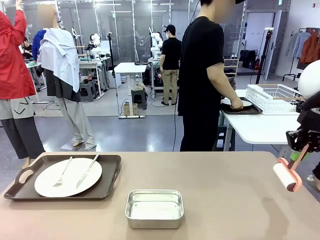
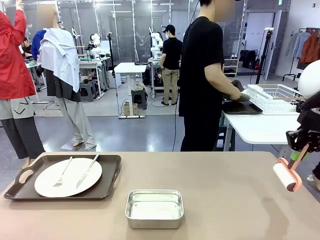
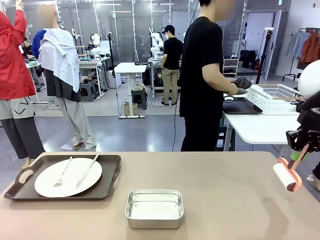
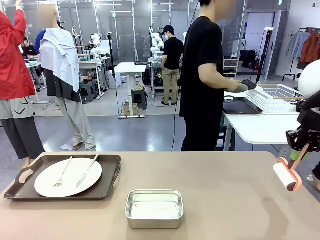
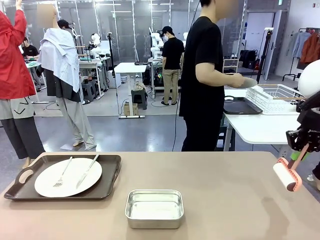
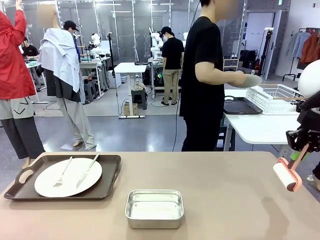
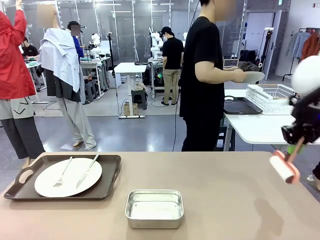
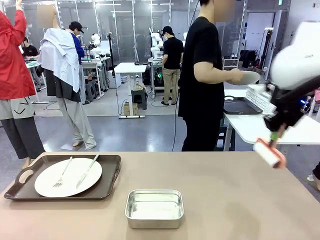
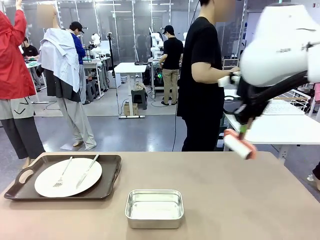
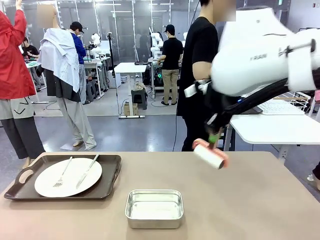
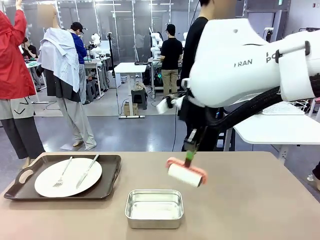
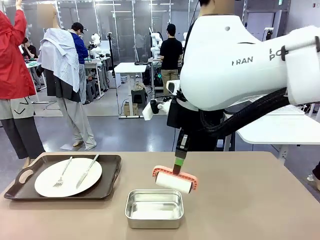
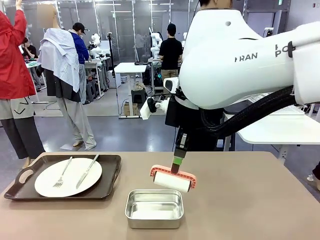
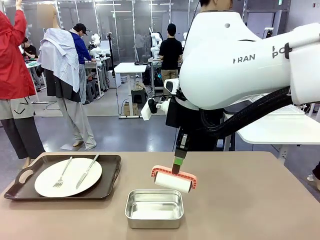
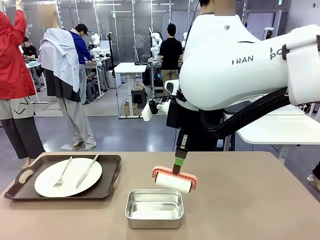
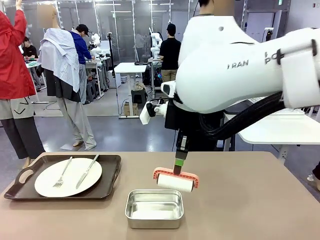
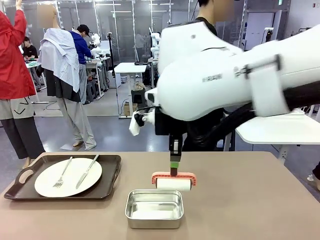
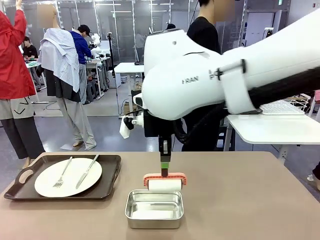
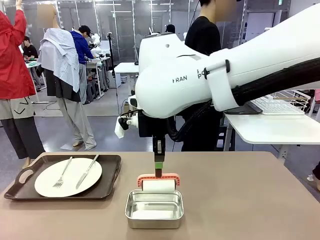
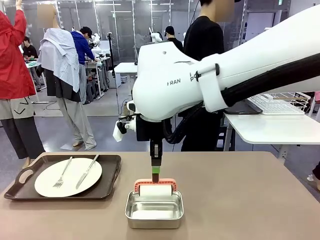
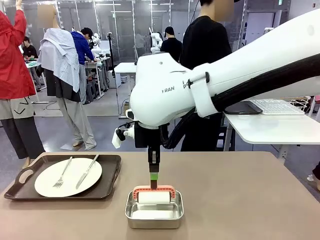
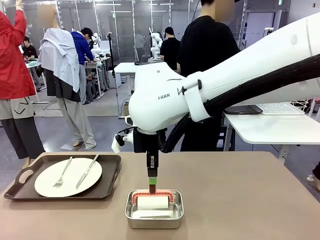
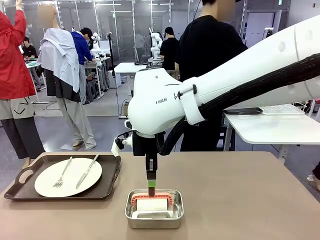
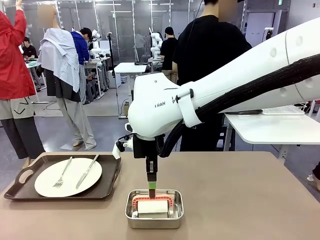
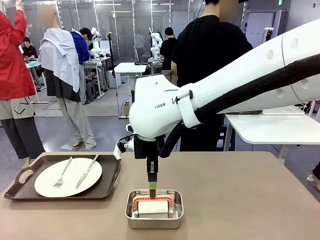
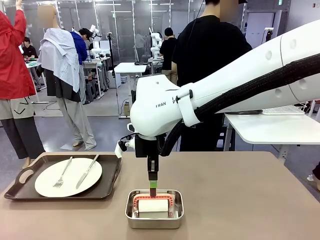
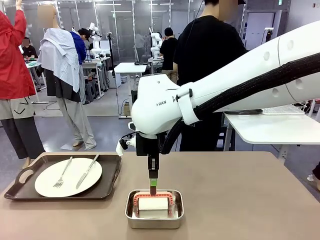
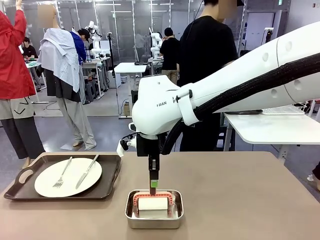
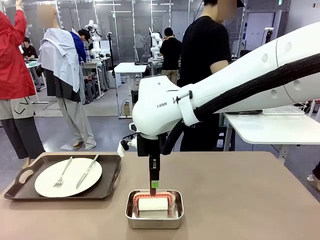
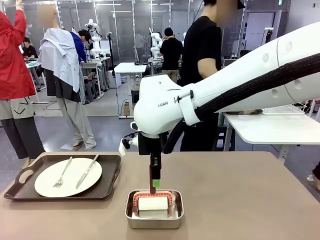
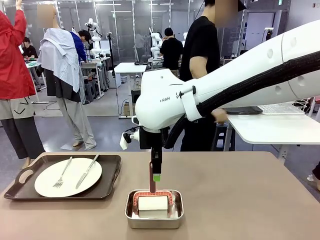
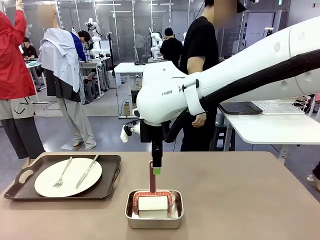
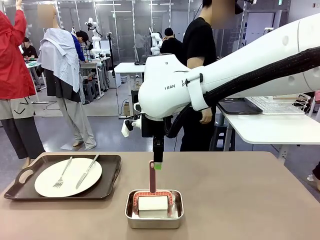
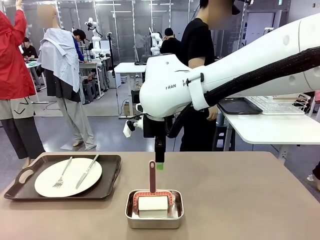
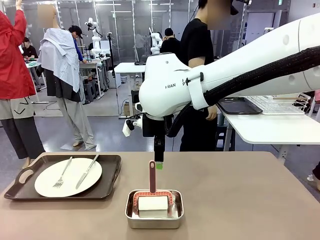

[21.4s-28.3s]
Robot: Place the Lint Roller back on top of the Airtight Container.

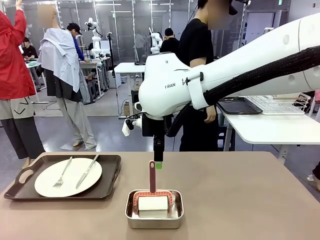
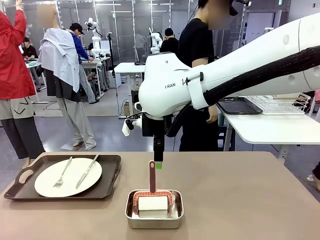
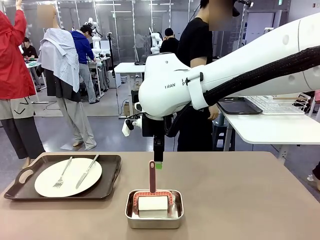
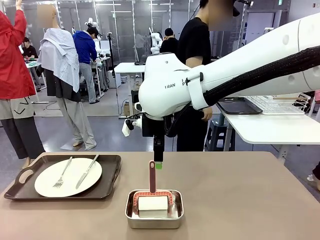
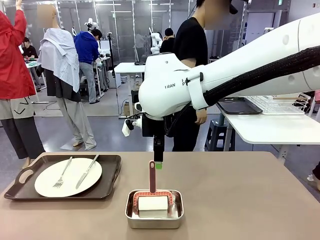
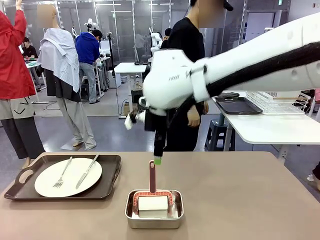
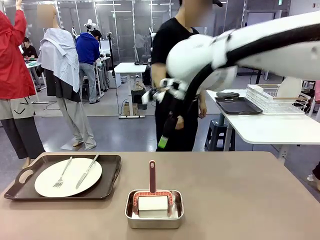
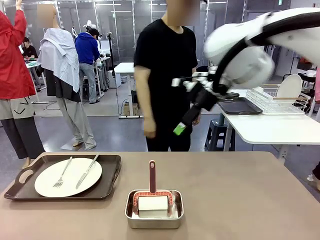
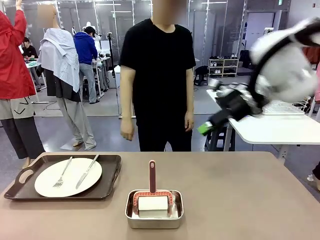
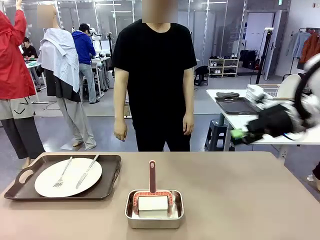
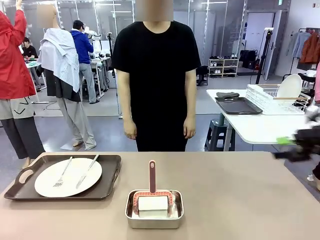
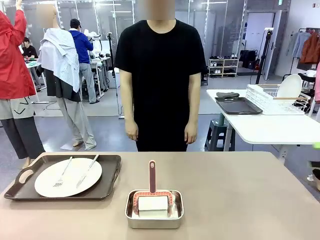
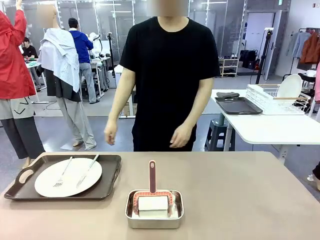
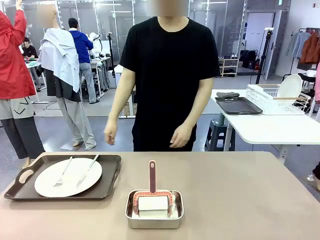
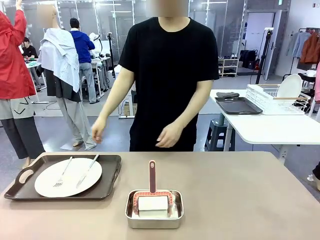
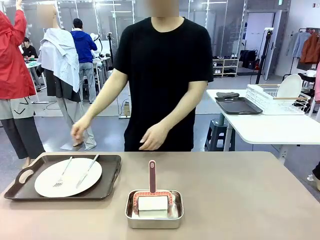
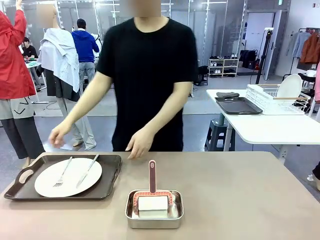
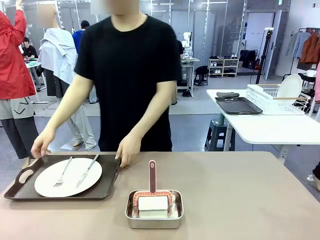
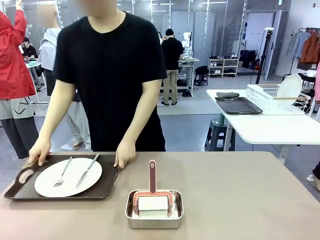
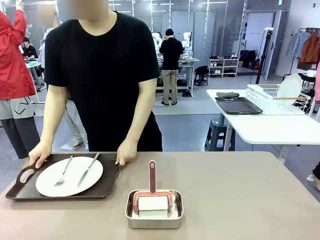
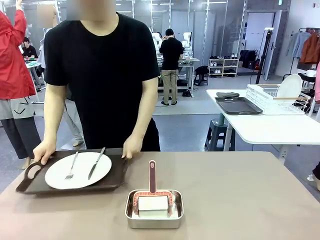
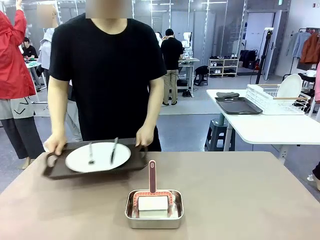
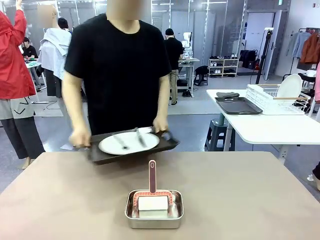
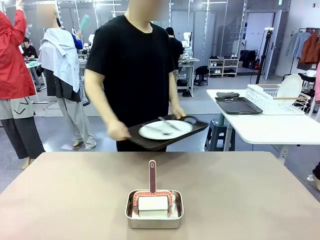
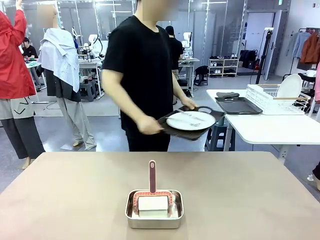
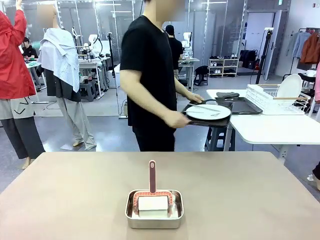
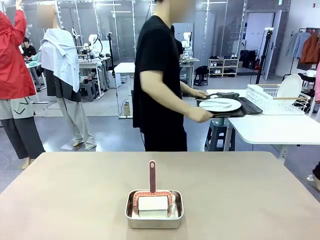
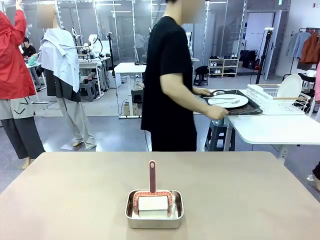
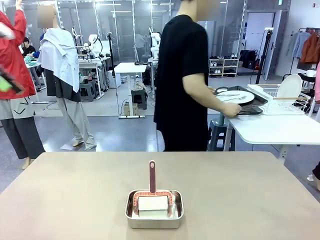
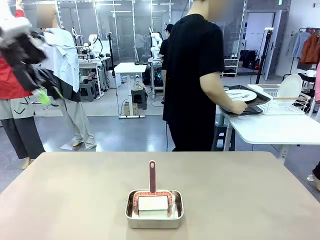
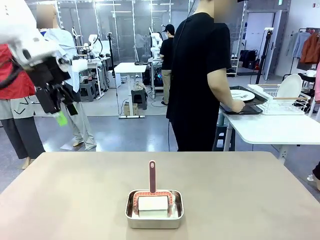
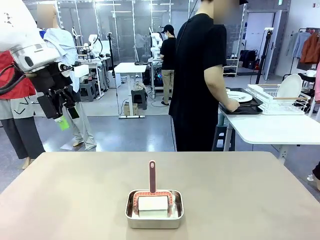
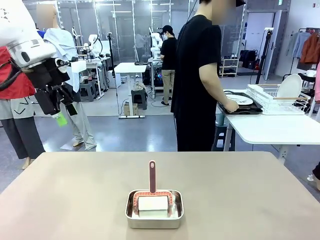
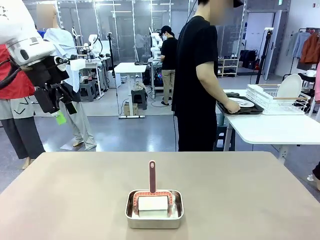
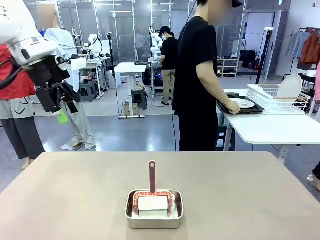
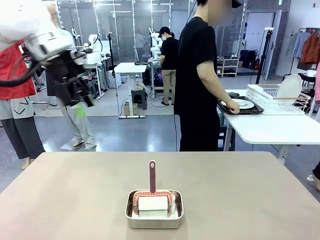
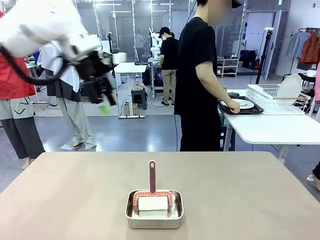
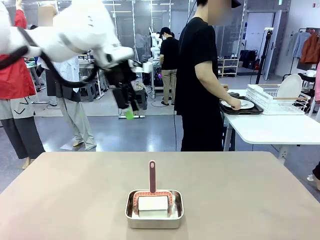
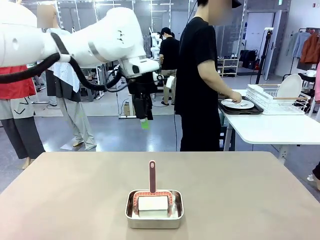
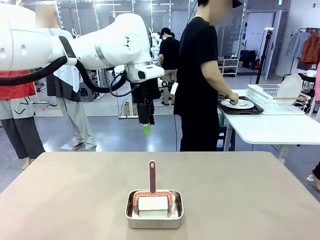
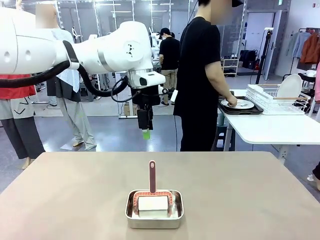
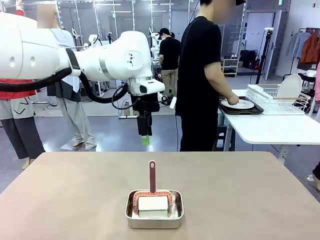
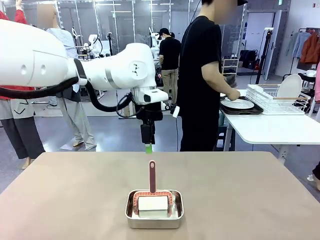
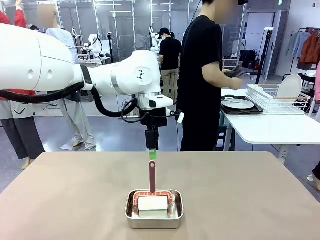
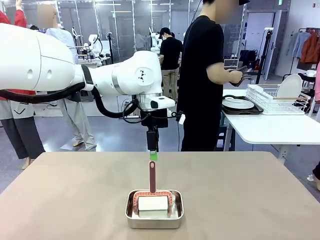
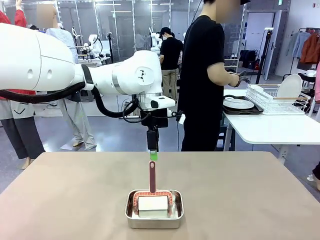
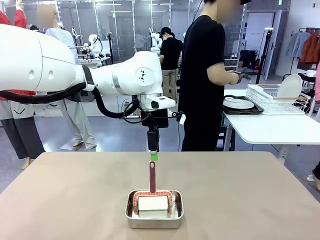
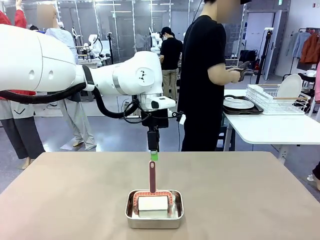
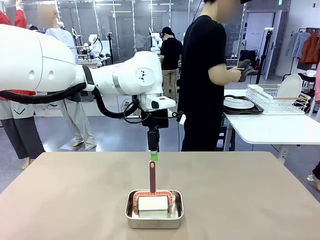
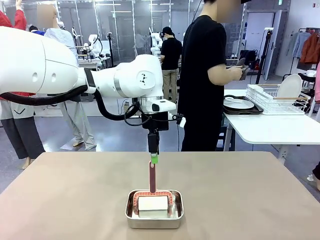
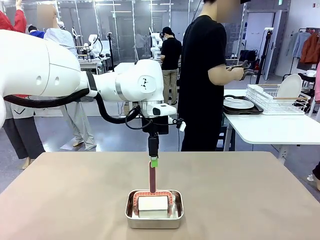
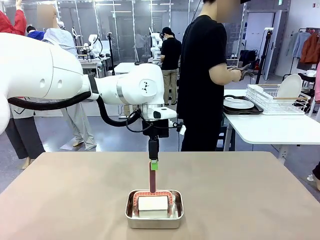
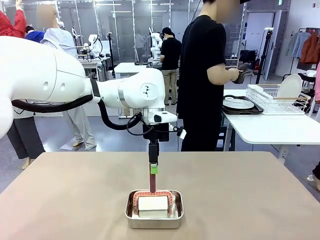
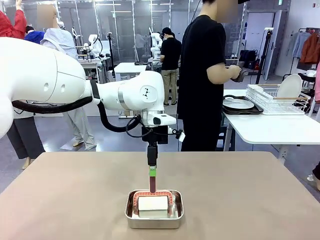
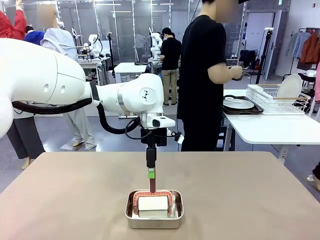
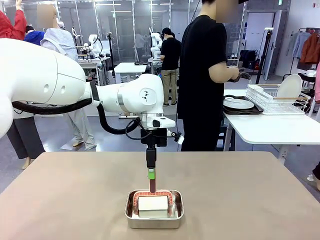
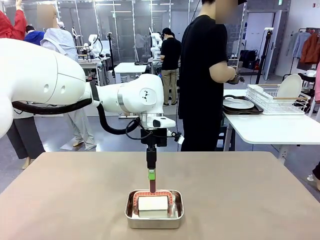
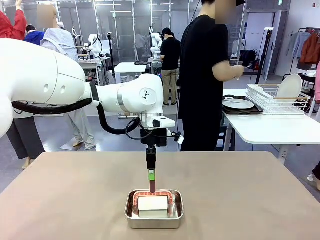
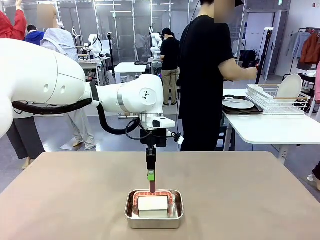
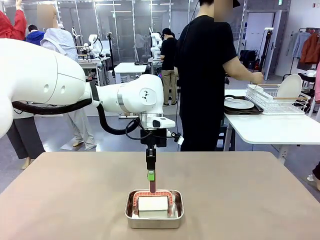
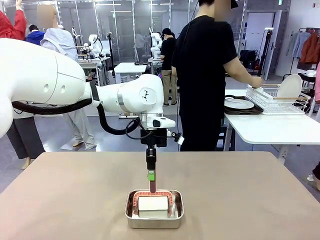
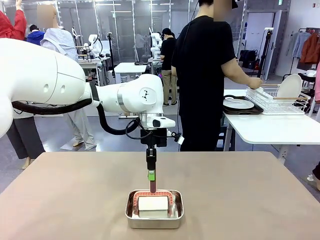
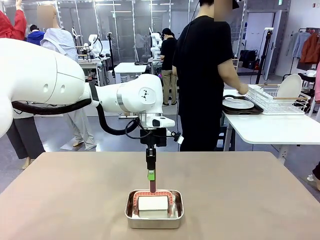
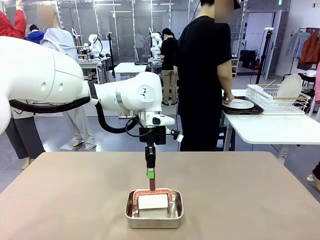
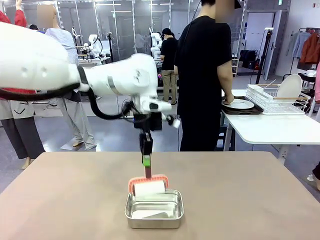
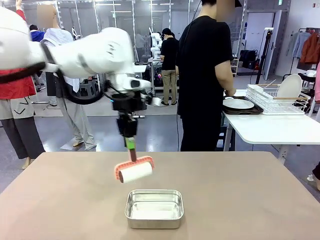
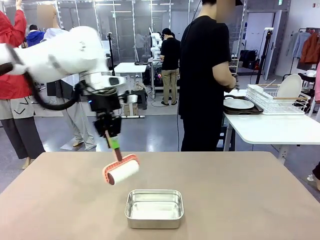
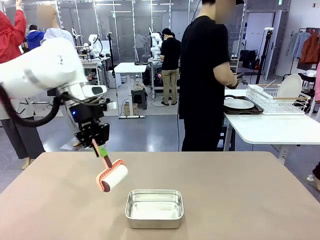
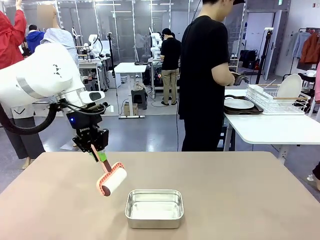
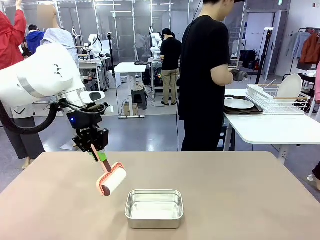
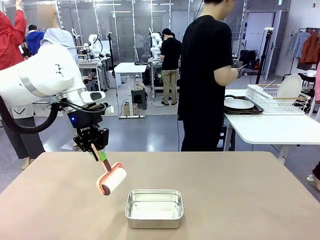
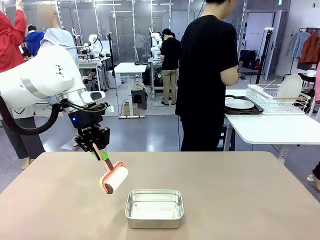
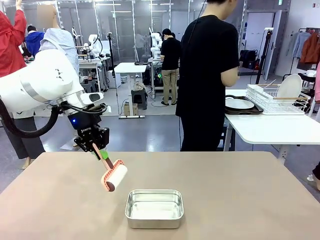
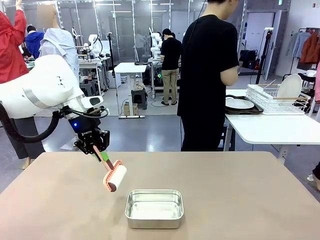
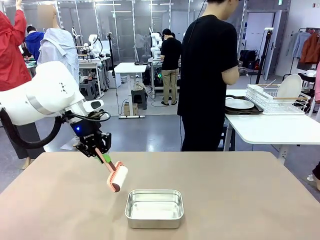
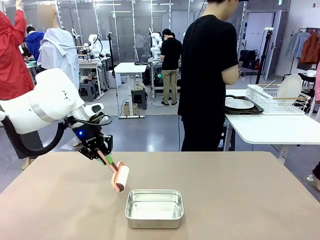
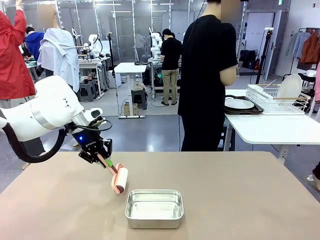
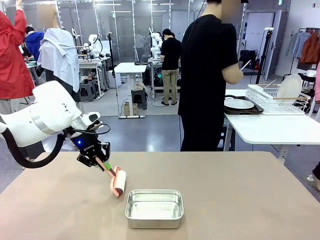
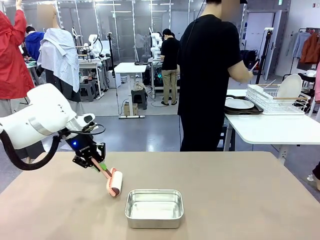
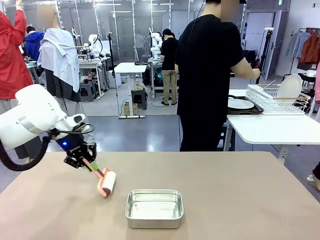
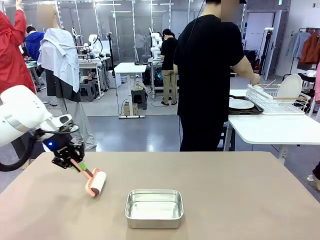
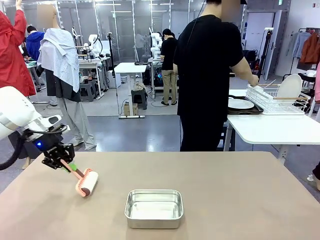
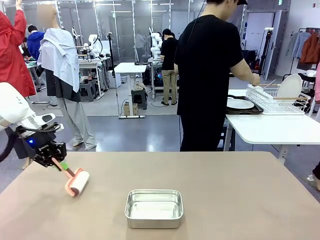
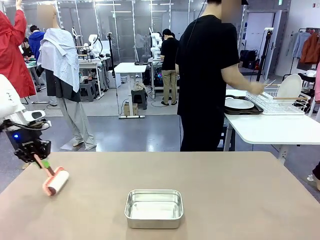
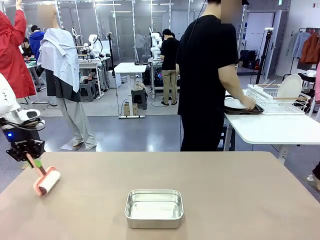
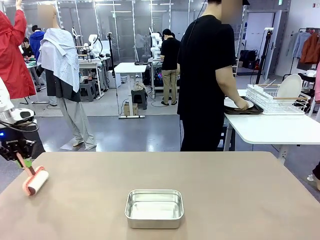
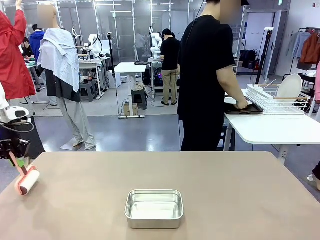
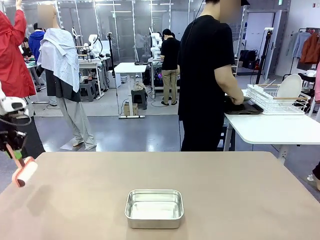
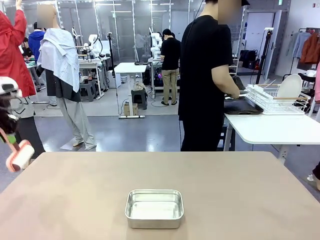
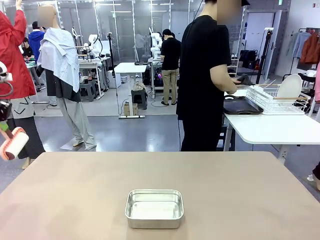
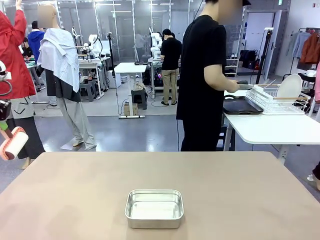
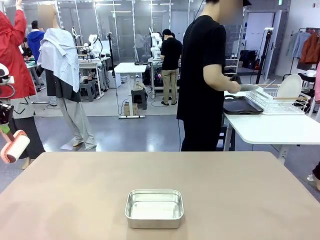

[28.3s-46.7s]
Robot: When the right (or left) Handle tray is removed, use the right hand (or left hand) to clean the right (or left) side of the table with the Lint Roller.
Person: Pick up the left (or right) Handle tray and place it on the Handle tray. Use the Towel with hook to wipe the Plastic Matte Plate , Fork , and Knife and place into the Dish drying rack.
